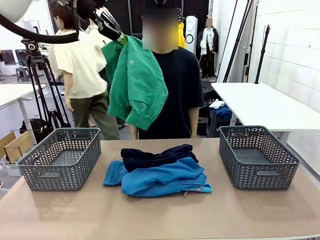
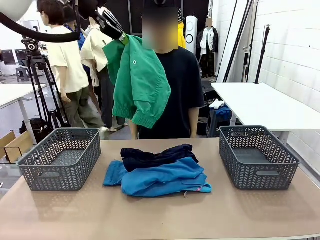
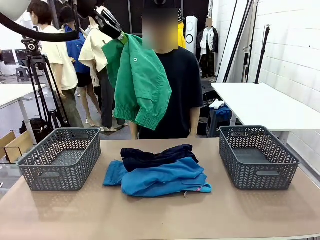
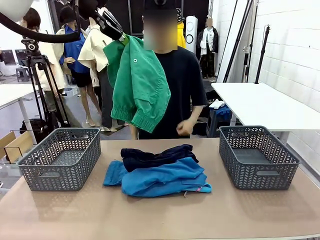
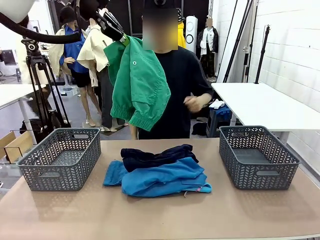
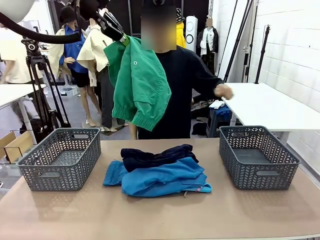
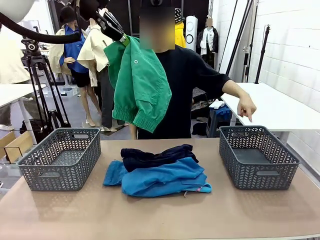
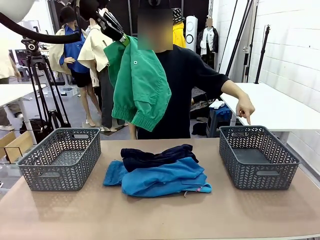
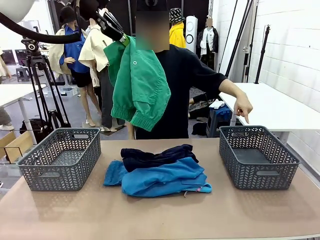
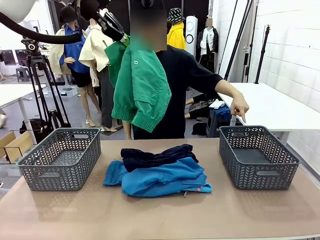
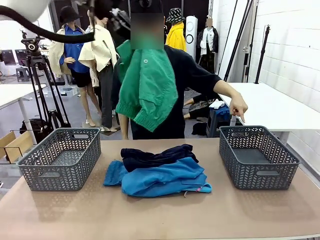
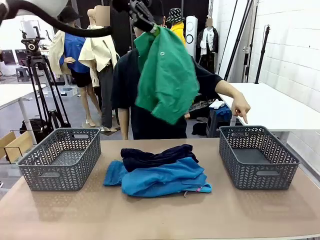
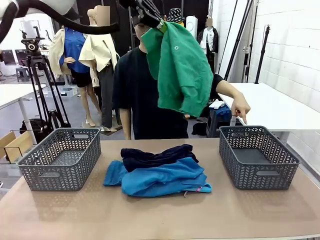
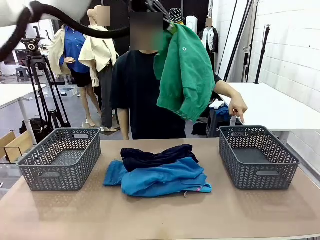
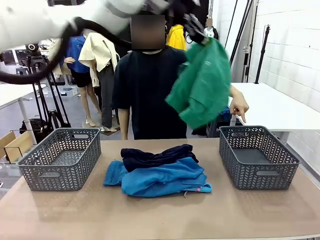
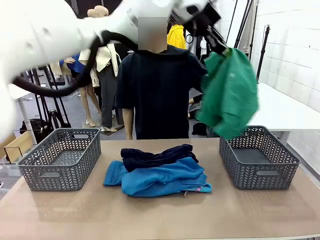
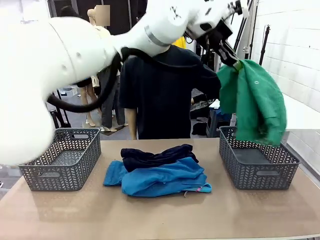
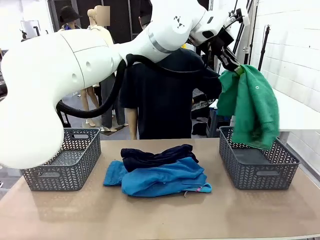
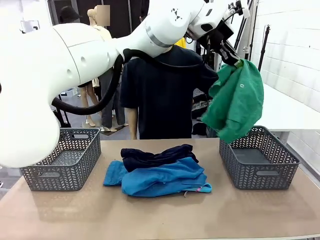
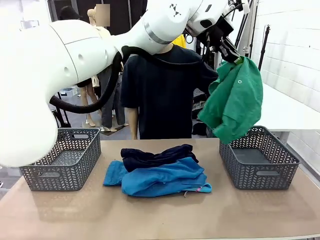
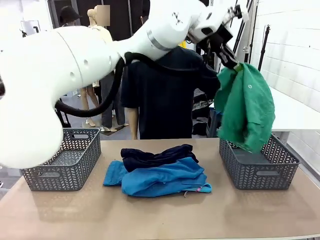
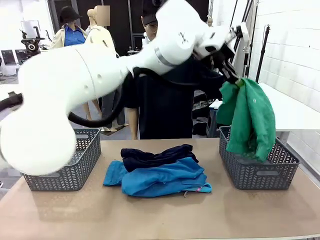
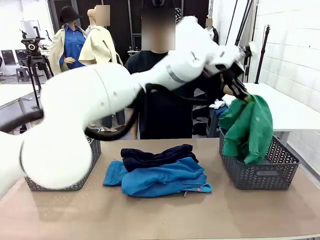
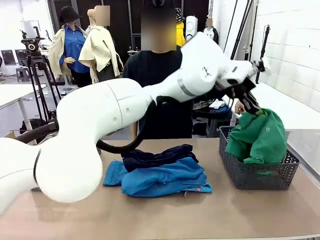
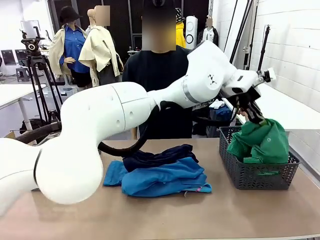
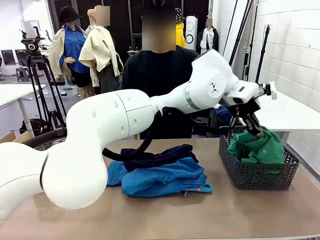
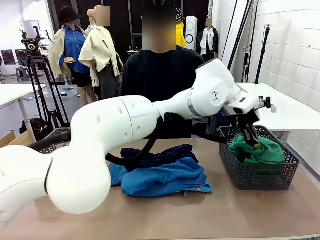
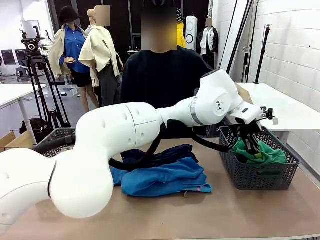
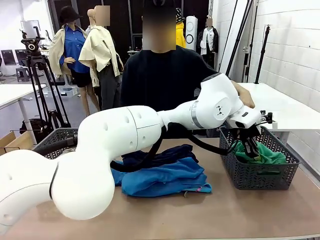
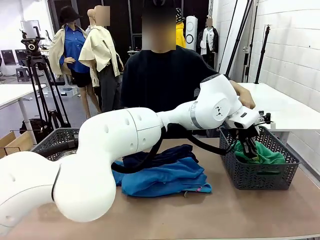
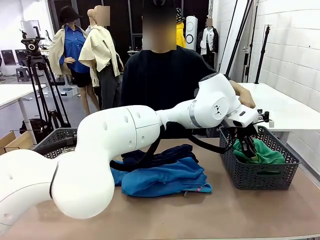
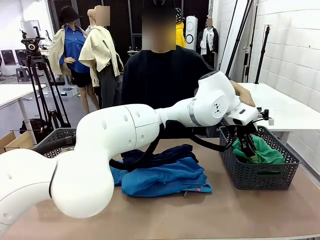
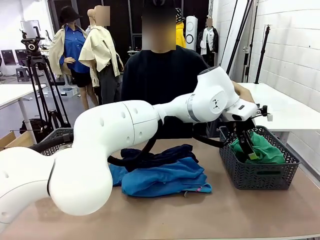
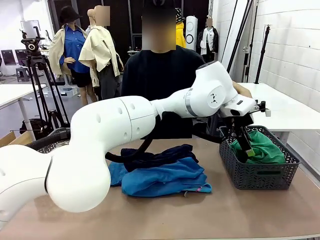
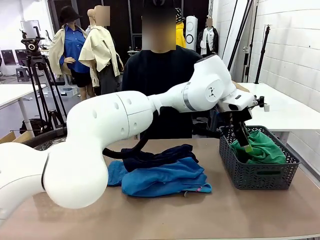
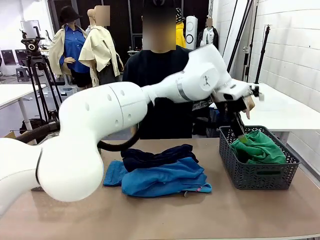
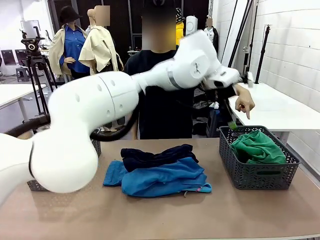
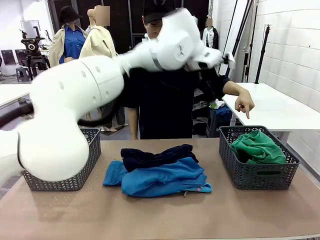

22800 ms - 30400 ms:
Task: Sort the tops and bottoms.
Robot: Sort the clothes according to human instructions.

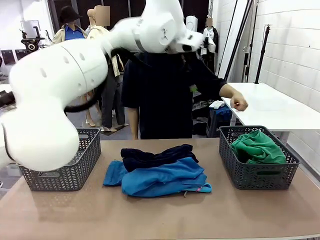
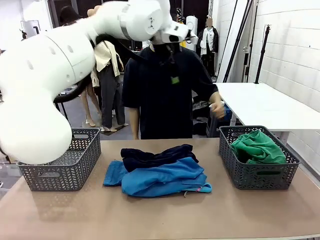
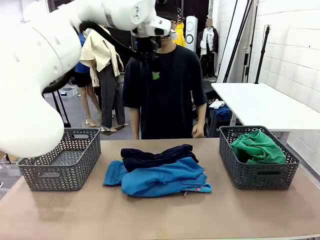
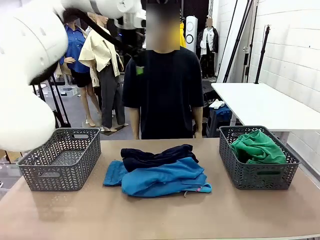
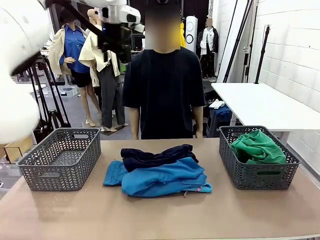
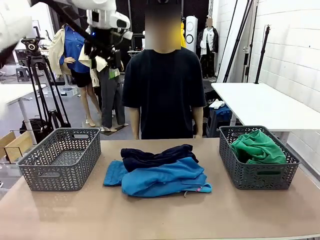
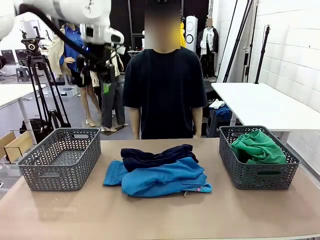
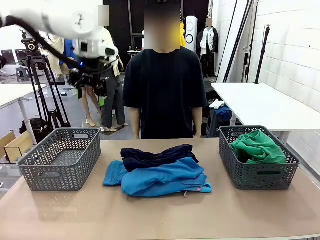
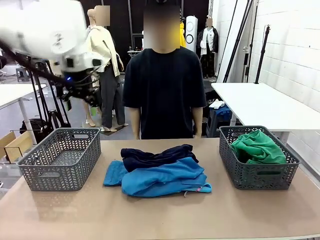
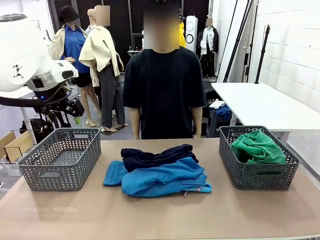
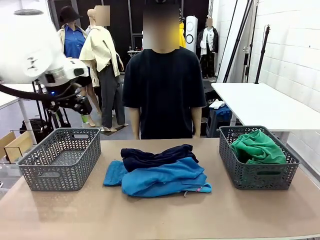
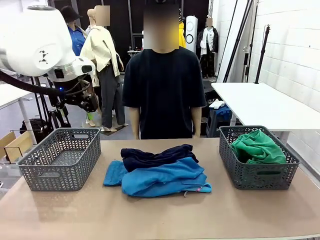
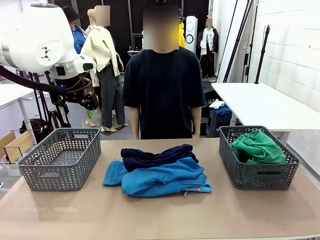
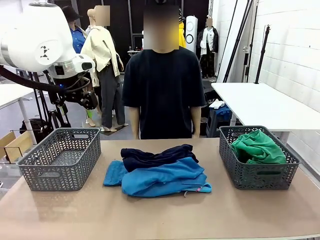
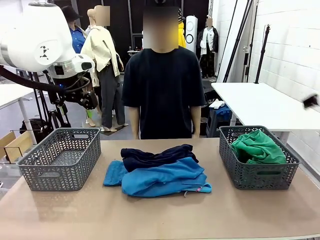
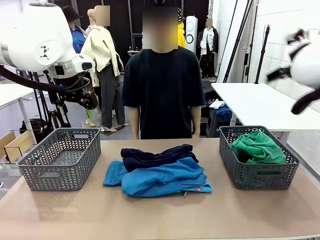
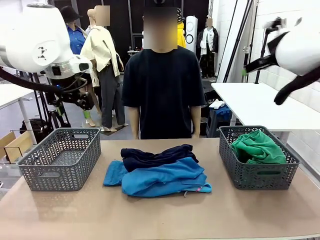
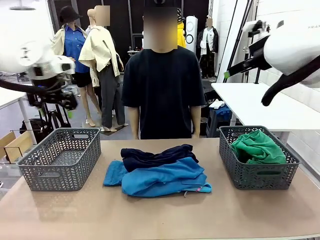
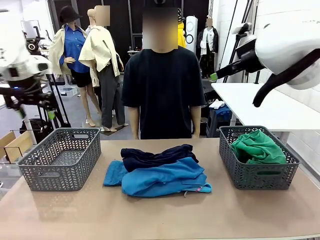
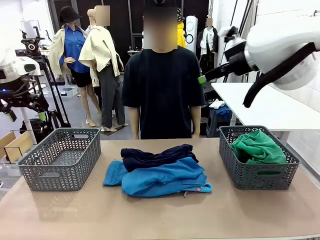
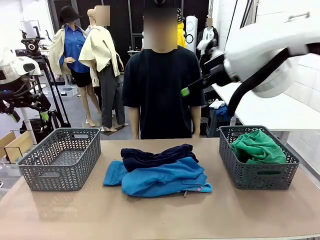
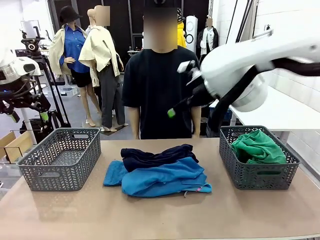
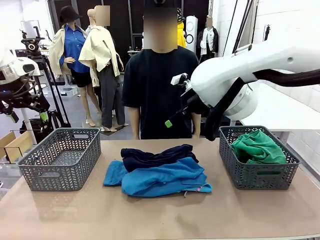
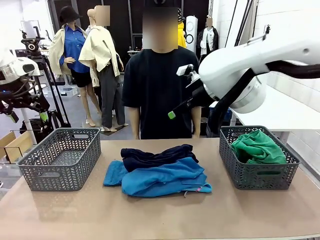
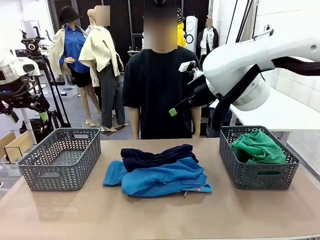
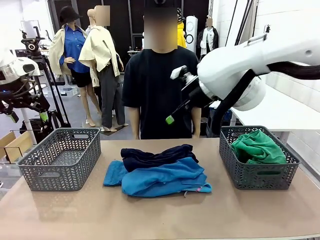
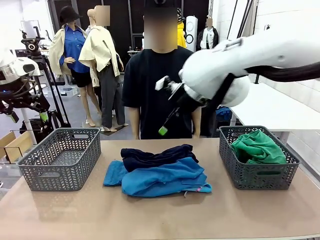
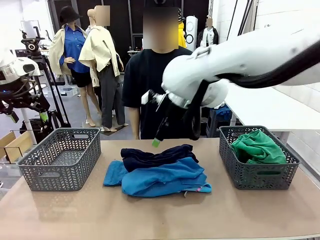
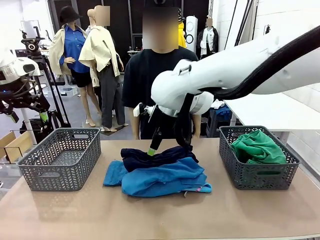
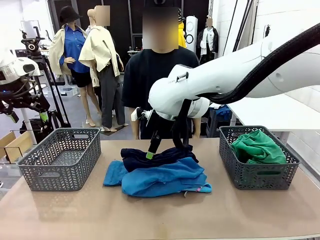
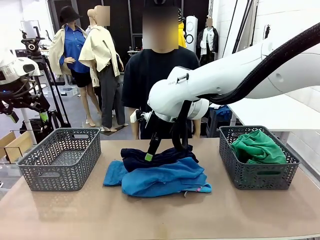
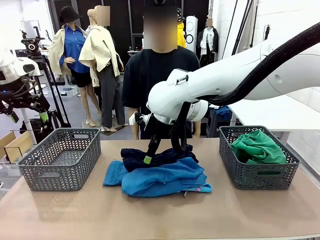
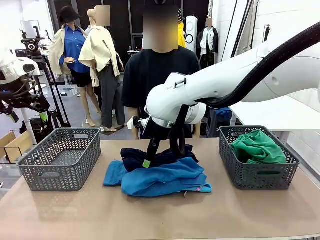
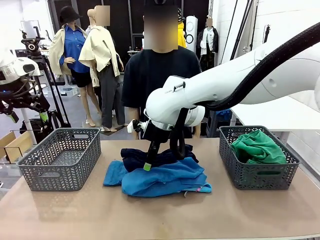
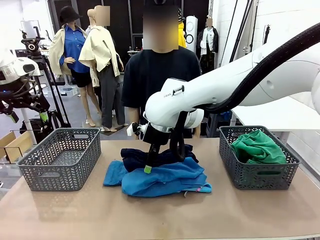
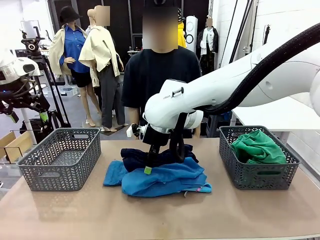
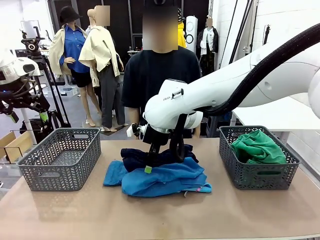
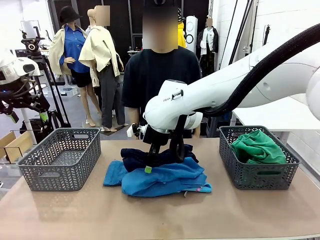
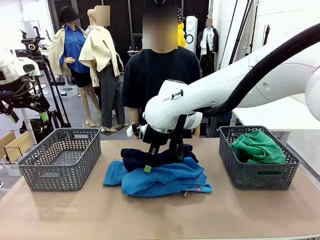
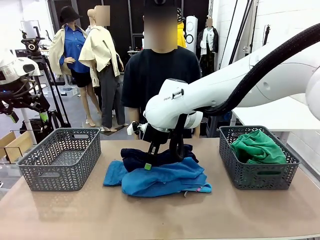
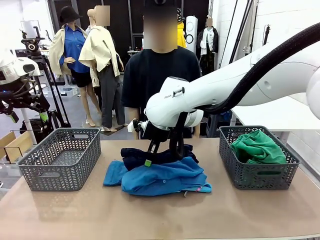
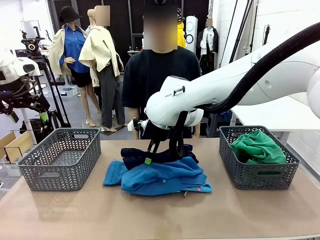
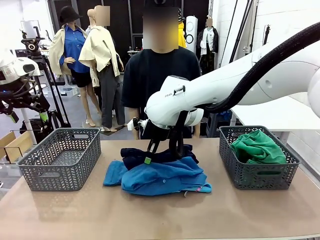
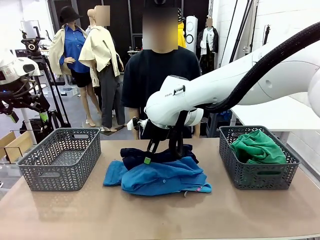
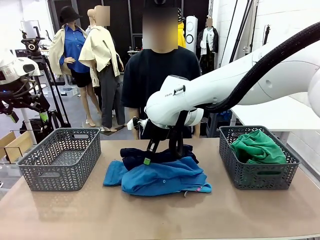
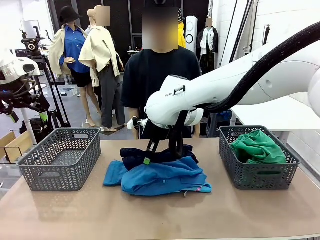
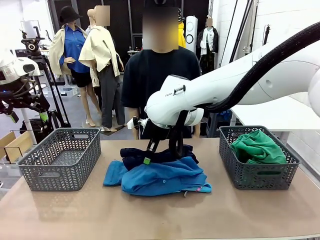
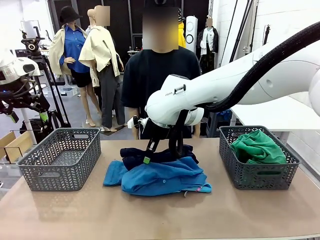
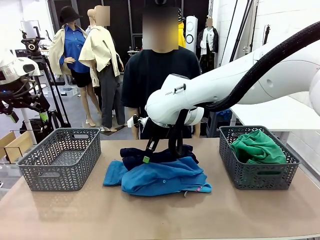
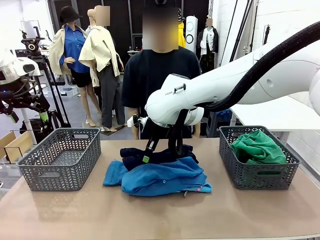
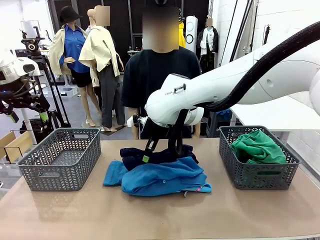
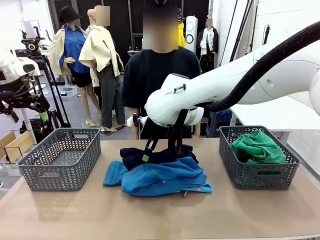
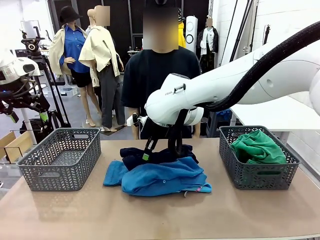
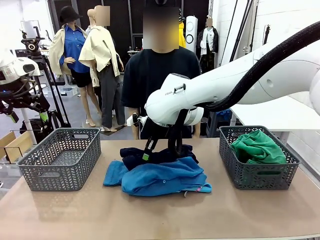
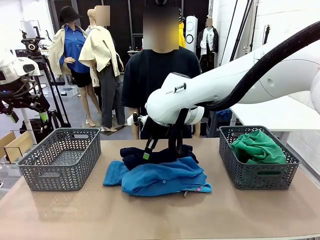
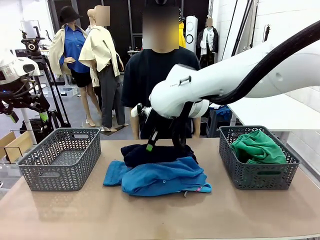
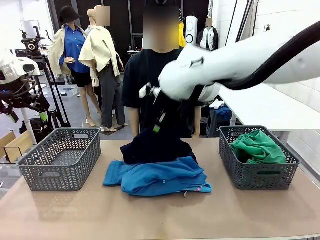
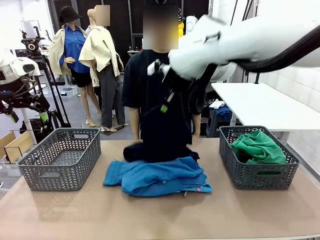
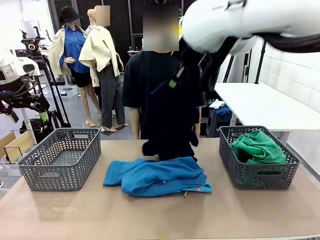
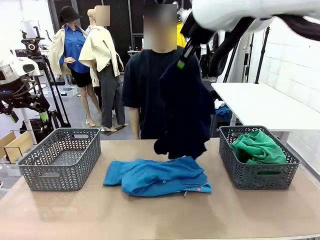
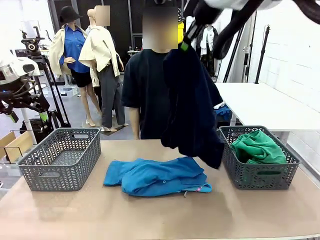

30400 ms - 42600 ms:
Robot: Lift clothes from the center of the table with your right hand.
